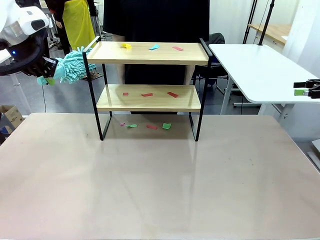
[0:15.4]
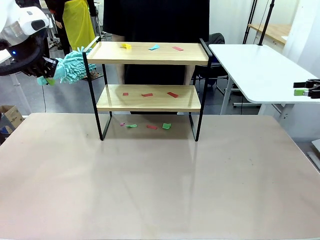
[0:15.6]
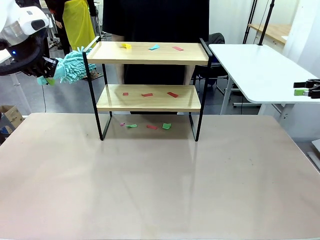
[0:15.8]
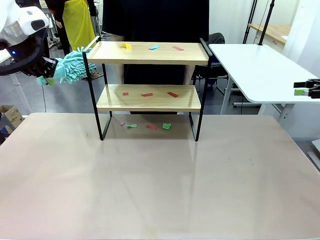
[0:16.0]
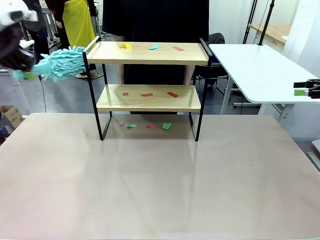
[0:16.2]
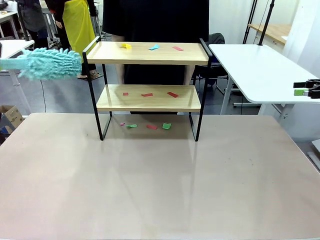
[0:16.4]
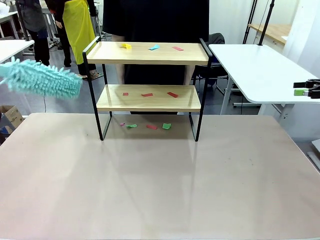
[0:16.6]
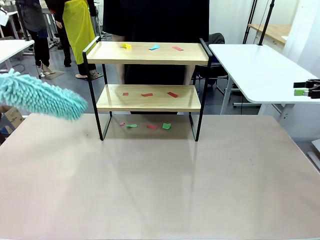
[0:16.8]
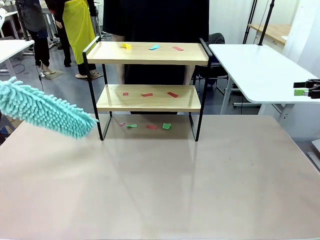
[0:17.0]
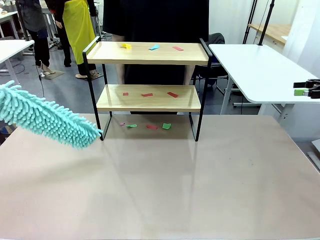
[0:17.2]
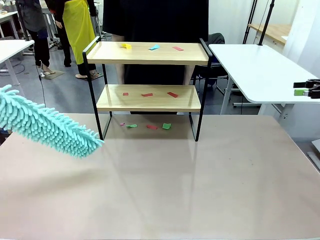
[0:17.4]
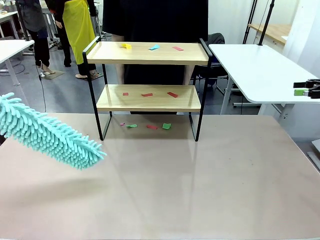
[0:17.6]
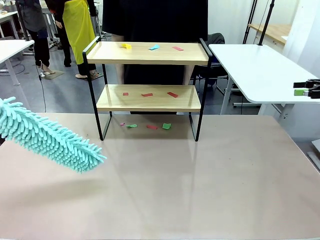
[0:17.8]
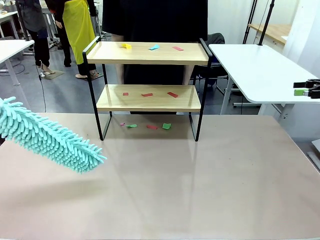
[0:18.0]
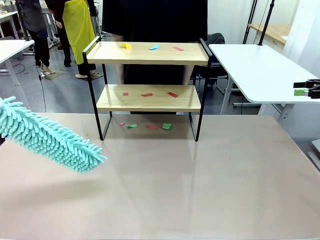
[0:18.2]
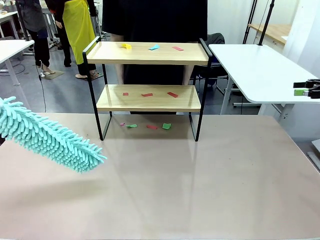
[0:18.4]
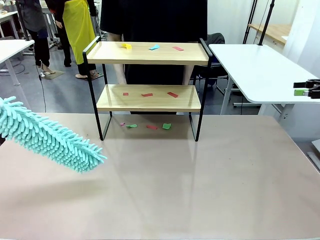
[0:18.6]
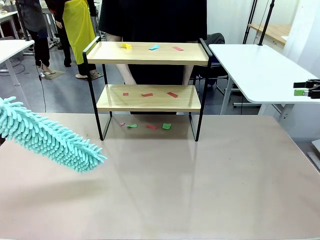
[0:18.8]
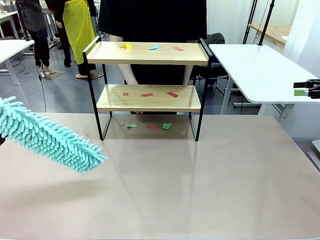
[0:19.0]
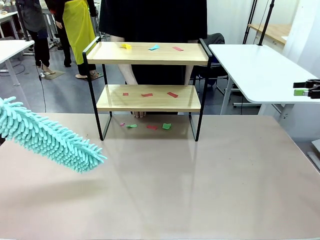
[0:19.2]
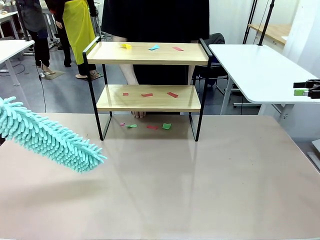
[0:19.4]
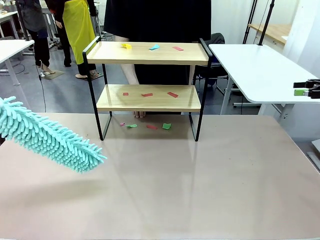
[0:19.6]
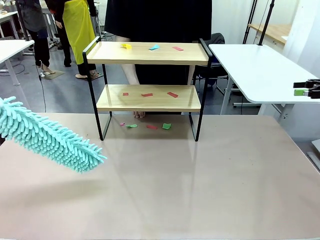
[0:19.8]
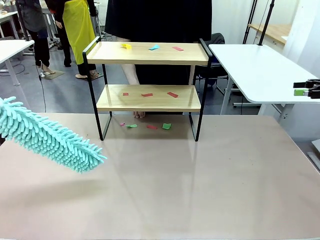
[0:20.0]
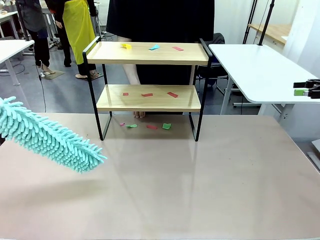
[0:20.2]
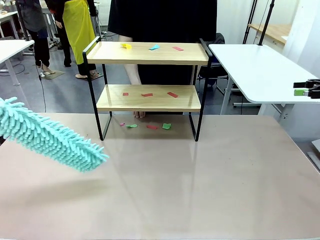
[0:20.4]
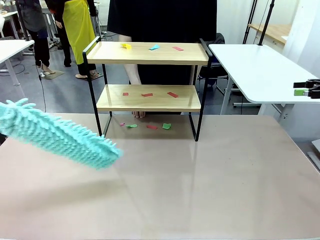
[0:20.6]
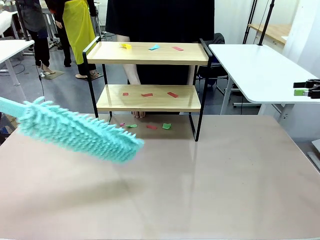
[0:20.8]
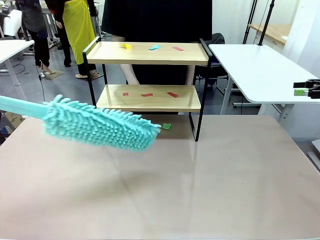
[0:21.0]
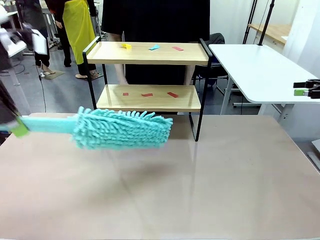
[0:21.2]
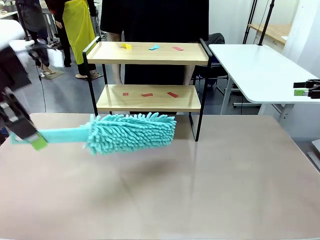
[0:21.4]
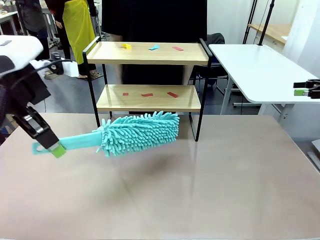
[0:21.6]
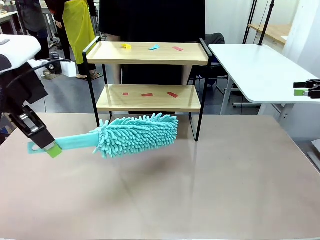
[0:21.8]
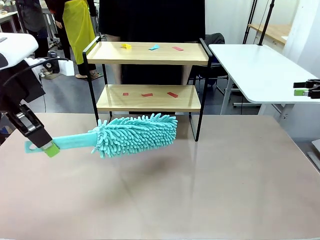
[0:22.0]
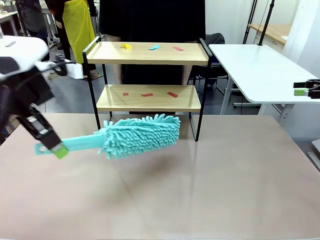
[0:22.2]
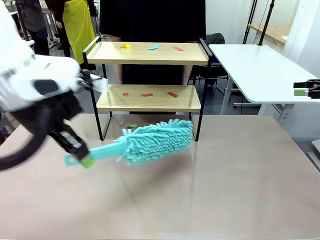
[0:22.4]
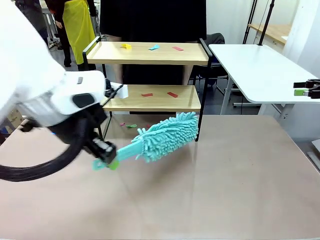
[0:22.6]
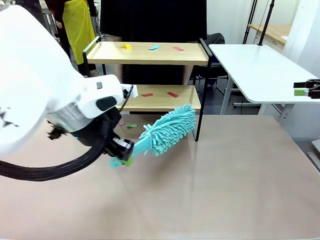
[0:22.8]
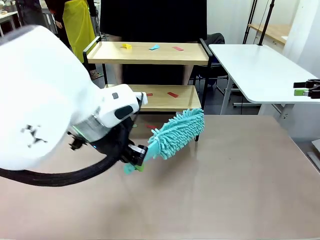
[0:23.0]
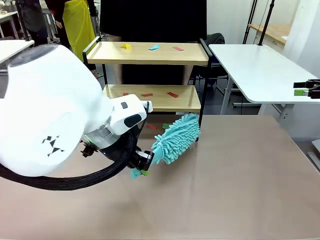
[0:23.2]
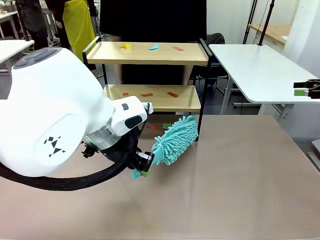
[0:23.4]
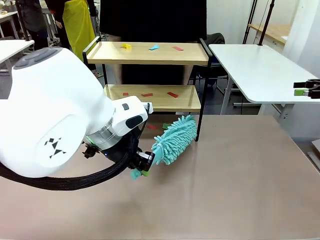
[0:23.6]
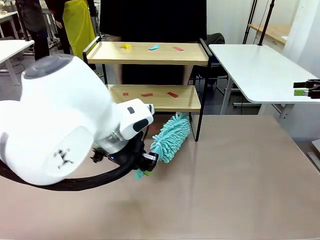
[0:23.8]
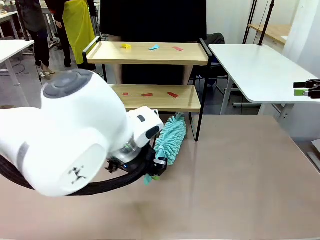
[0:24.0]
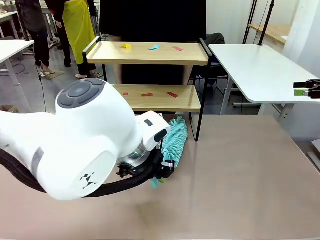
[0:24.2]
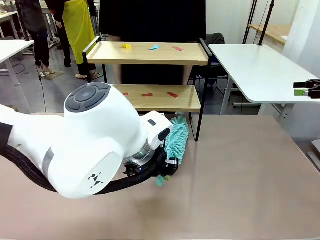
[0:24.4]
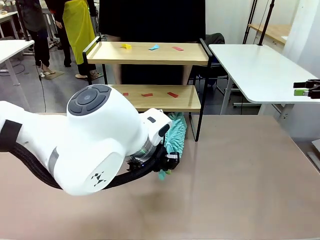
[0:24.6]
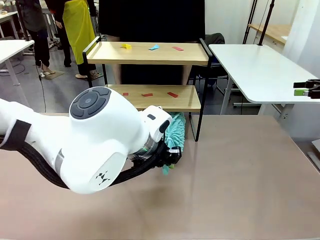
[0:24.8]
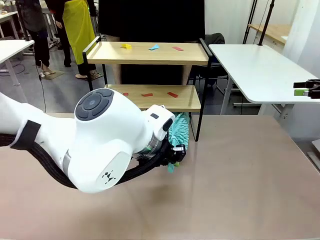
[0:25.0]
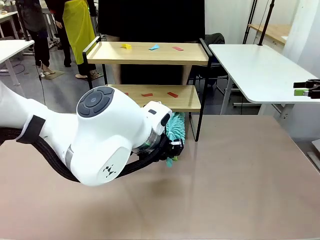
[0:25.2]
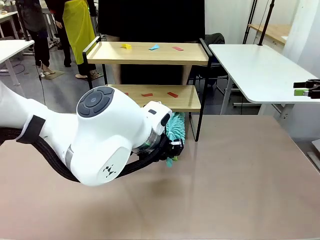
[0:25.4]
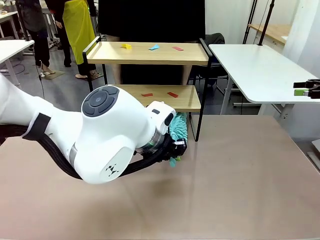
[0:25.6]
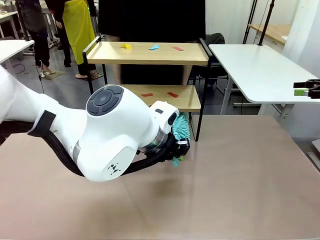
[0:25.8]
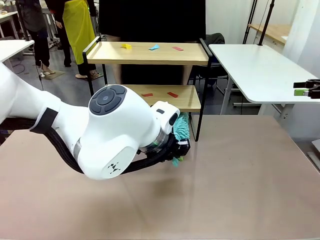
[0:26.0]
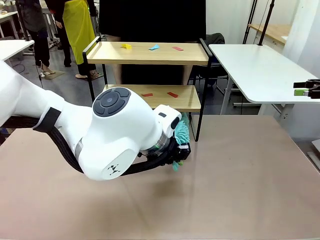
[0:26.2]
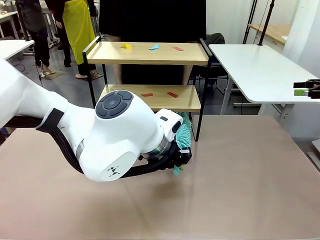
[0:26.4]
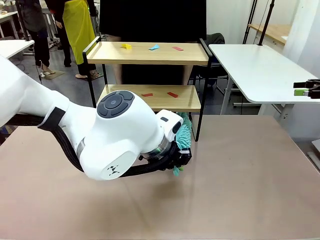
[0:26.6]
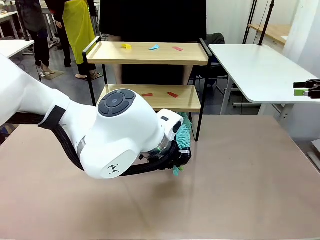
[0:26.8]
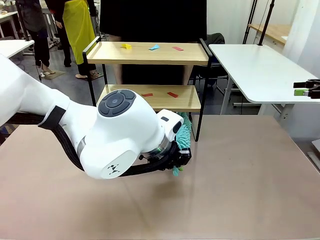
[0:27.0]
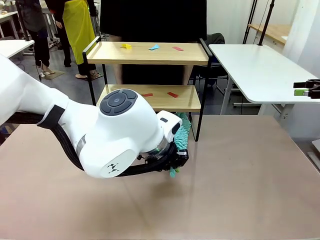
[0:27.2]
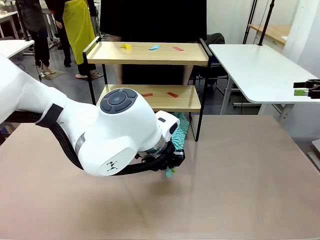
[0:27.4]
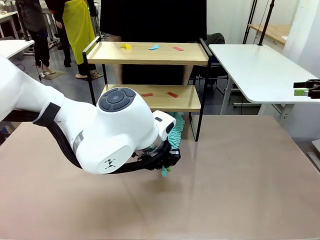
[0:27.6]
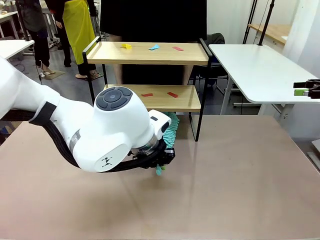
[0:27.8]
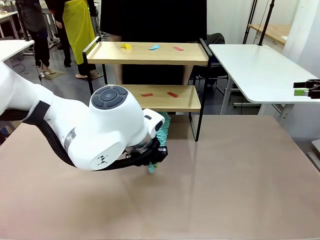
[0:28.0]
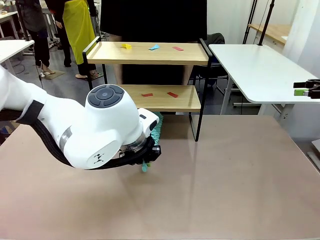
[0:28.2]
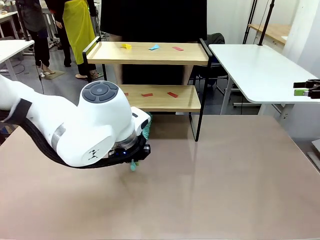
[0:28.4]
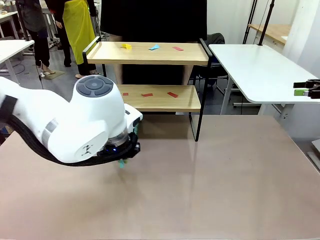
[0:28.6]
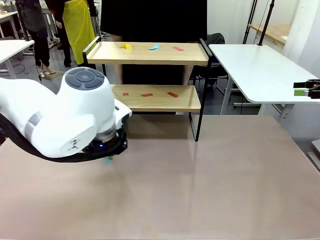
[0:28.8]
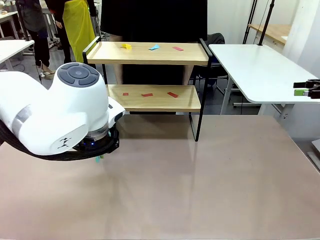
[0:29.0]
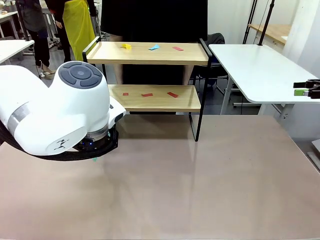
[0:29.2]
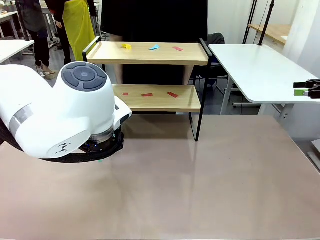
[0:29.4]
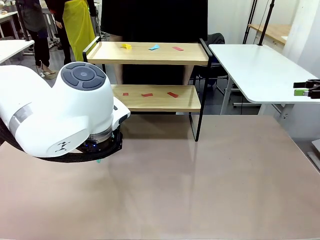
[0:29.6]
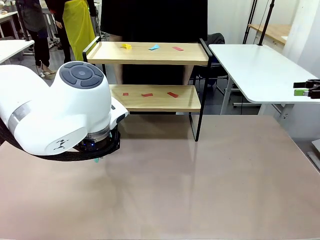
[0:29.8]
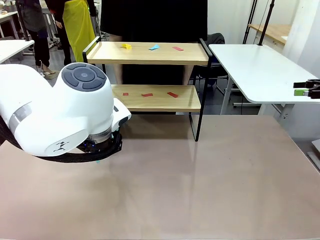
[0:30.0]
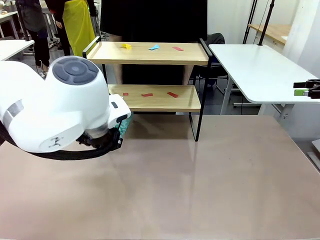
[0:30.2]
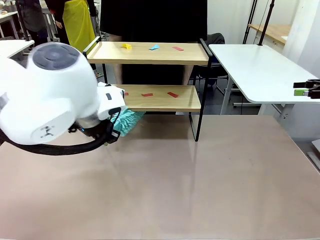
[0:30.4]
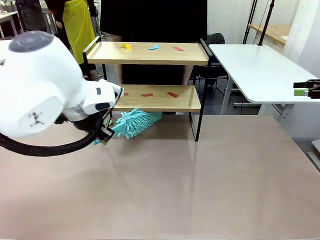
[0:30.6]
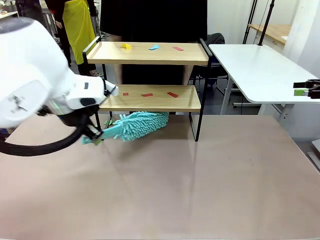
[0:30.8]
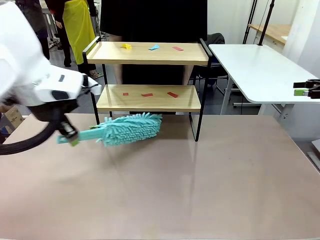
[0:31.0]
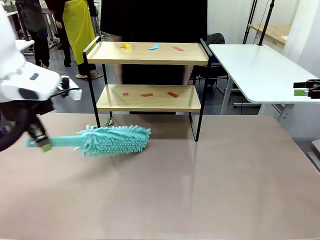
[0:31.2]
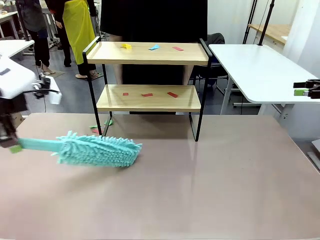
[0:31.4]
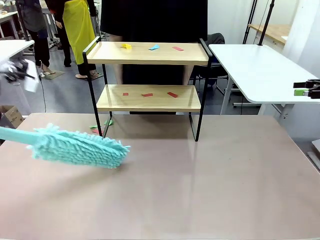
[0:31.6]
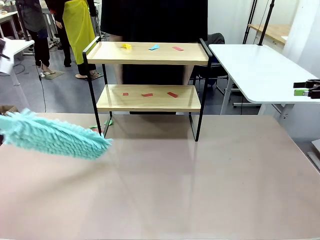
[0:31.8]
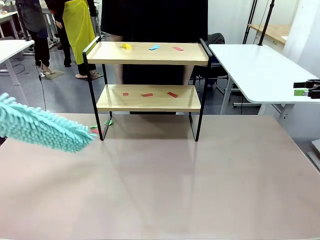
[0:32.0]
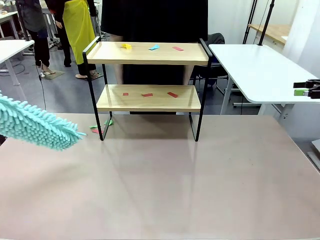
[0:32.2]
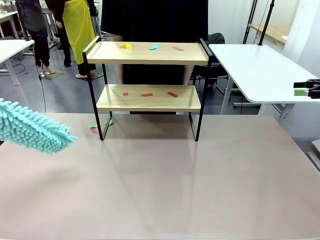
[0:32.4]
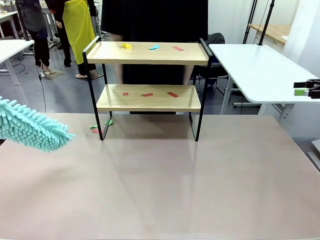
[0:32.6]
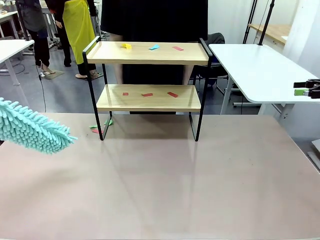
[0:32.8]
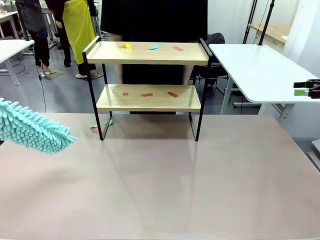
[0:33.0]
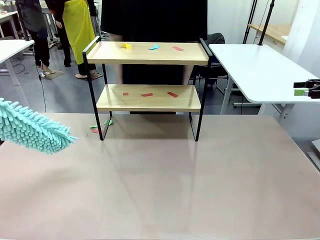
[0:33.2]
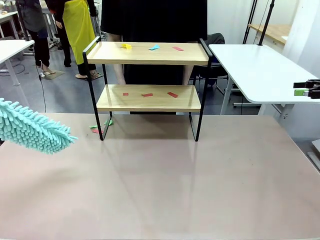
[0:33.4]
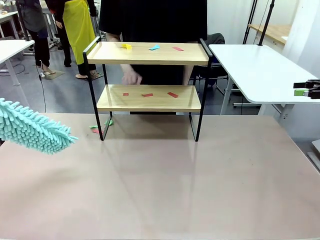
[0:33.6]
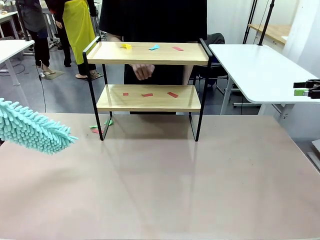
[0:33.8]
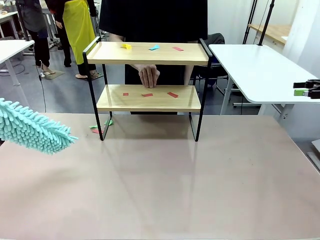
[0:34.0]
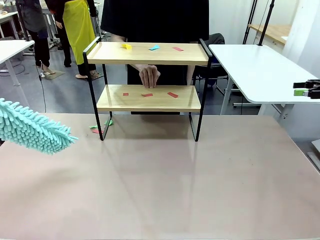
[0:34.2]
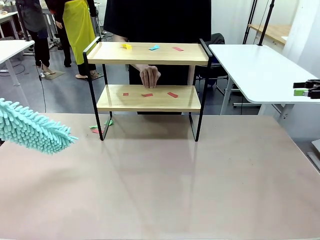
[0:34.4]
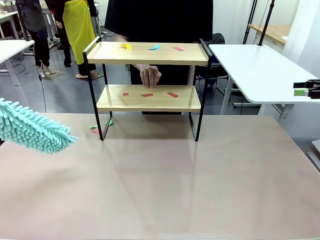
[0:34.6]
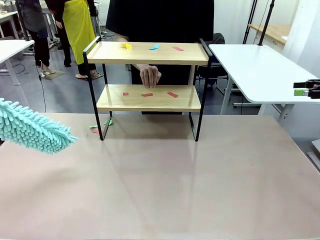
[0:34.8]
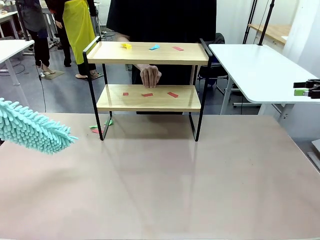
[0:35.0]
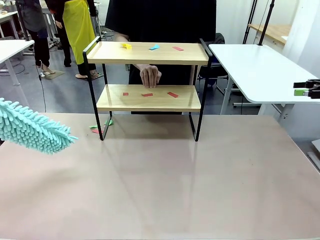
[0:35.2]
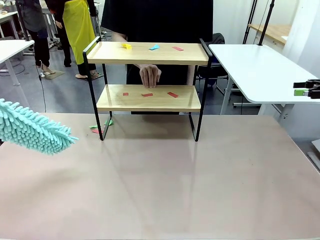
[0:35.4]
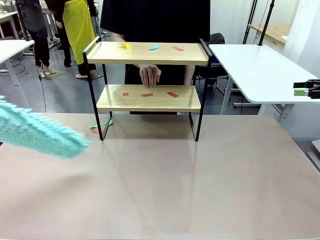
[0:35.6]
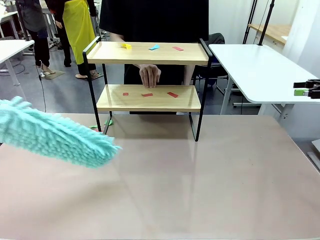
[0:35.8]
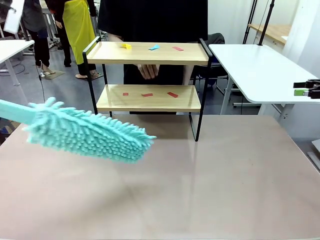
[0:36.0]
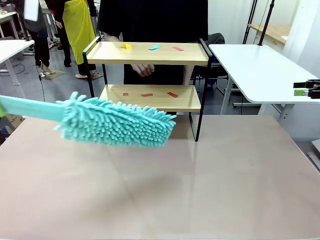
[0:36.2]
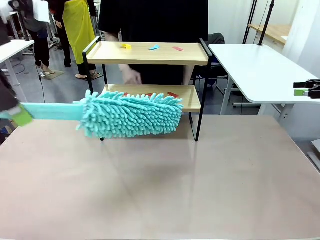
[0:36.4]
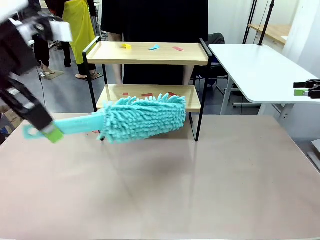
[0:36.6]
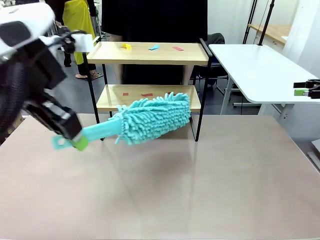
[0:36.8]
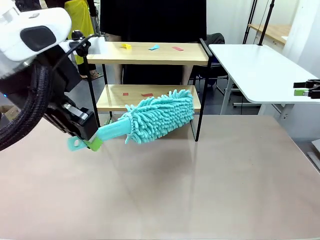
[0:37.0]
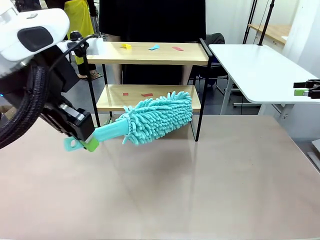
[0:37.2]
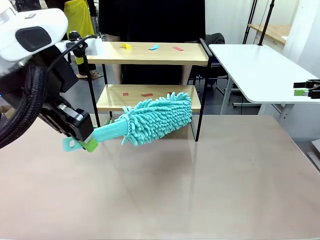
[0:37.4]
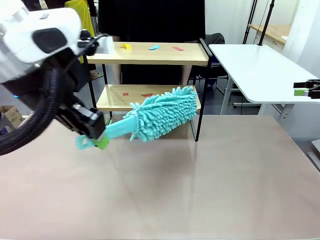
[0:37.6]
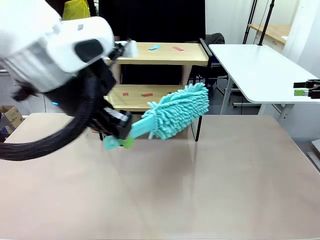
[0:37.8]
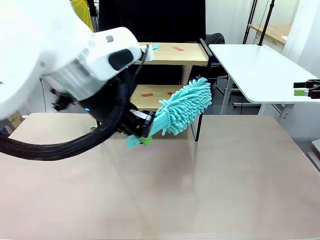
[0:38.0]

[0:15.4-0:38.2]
Task: Clean the shelf.
Robot: Clean the specific section of the Shelf indicated by the human with the Duster.
Person: Point a random section of the Shelf.
